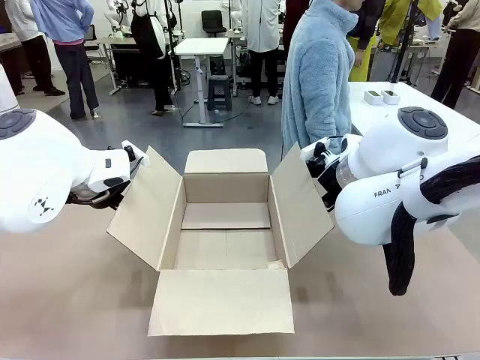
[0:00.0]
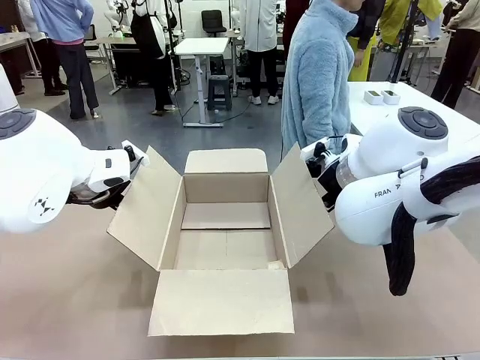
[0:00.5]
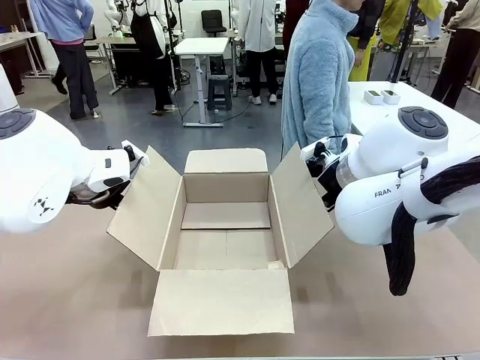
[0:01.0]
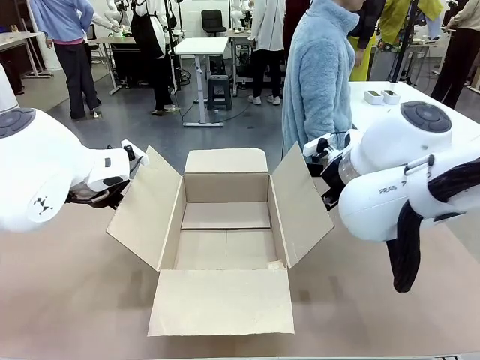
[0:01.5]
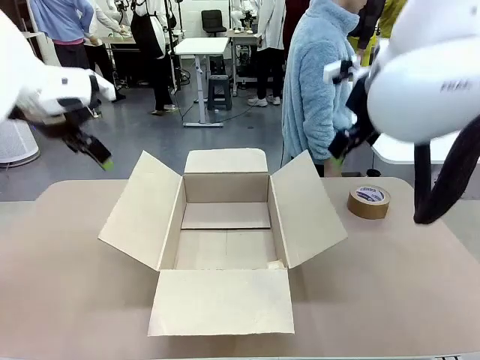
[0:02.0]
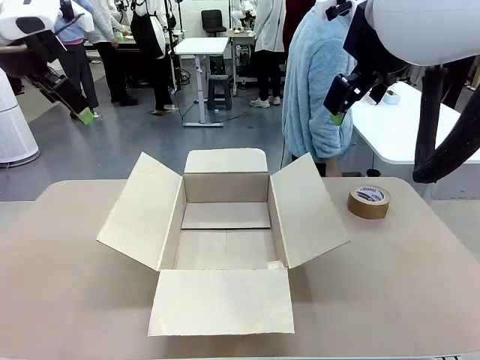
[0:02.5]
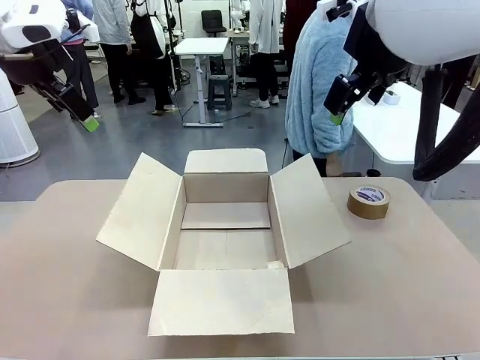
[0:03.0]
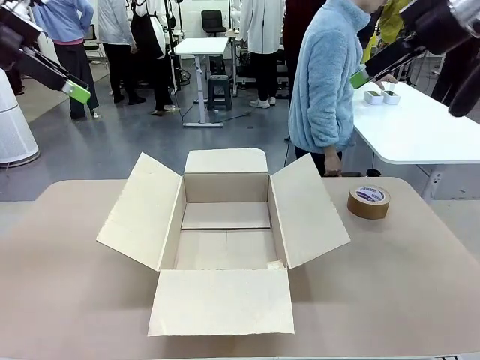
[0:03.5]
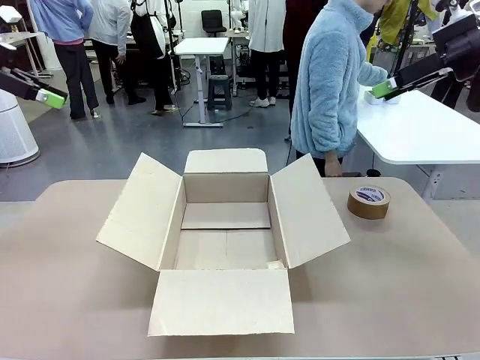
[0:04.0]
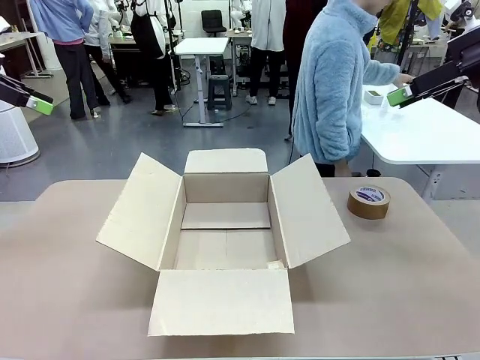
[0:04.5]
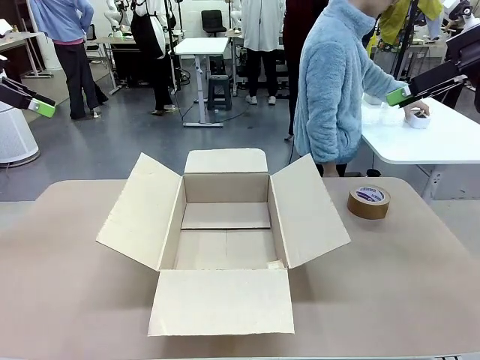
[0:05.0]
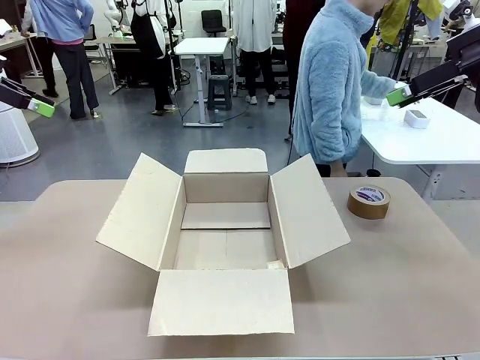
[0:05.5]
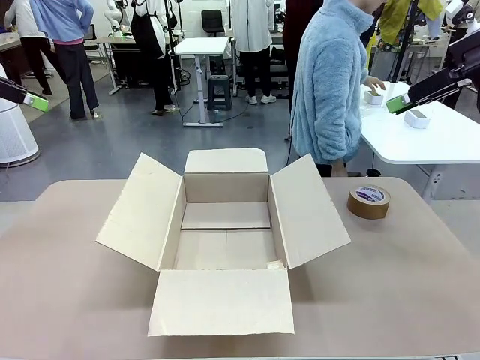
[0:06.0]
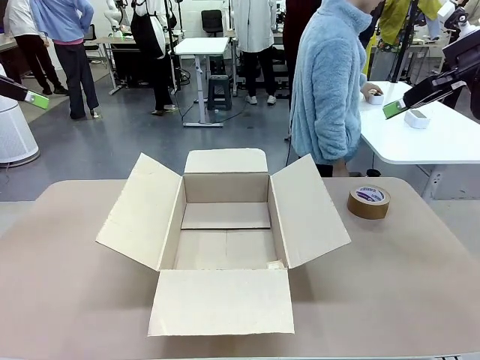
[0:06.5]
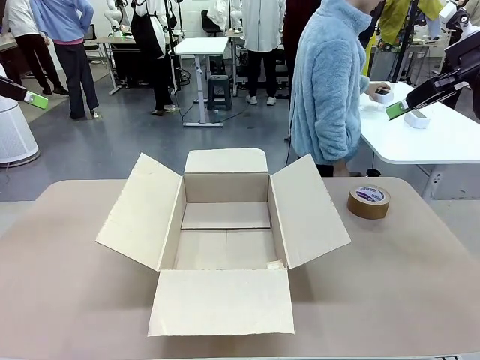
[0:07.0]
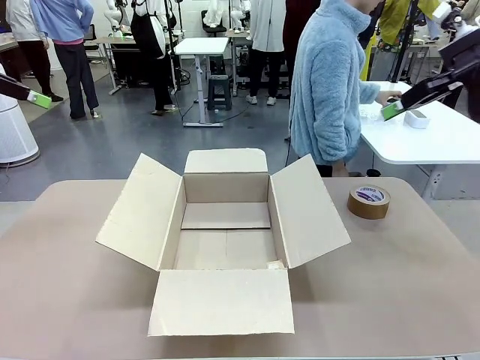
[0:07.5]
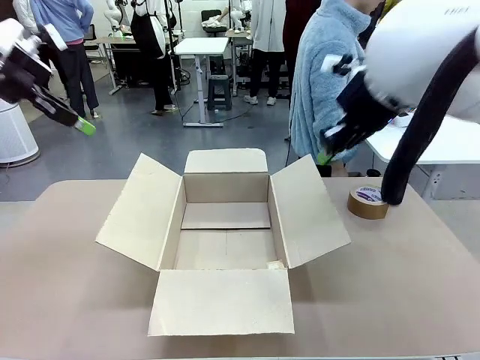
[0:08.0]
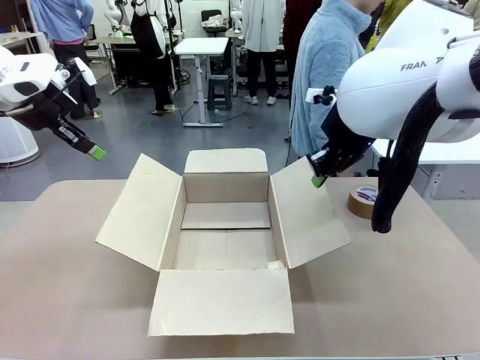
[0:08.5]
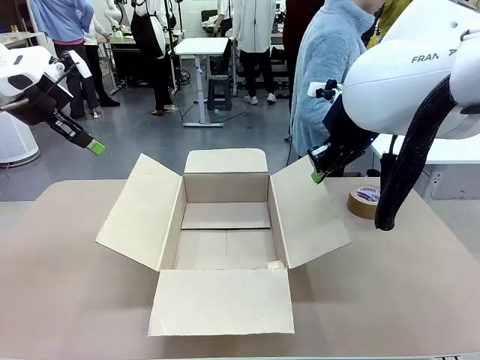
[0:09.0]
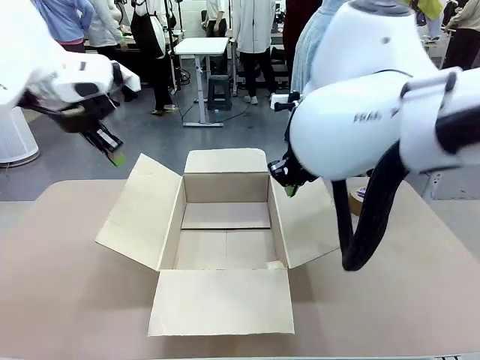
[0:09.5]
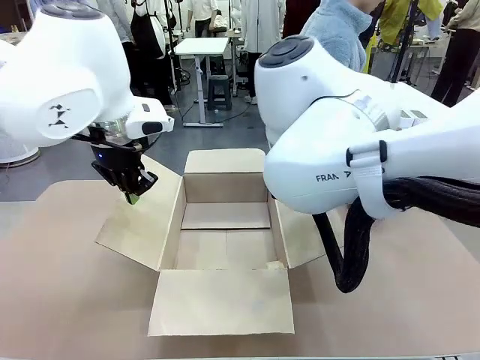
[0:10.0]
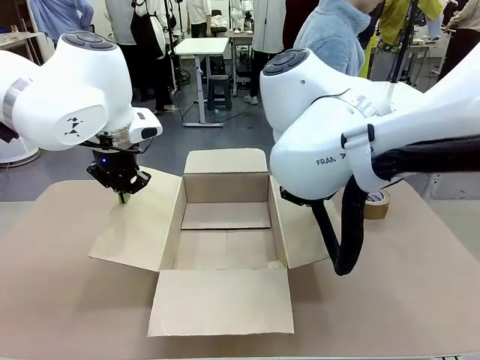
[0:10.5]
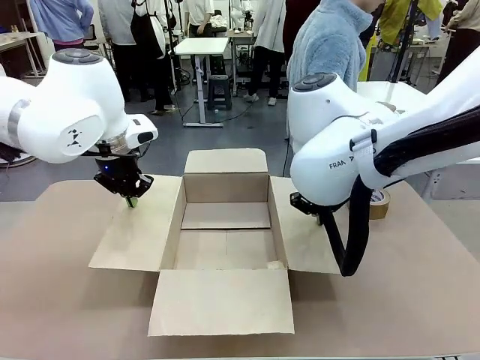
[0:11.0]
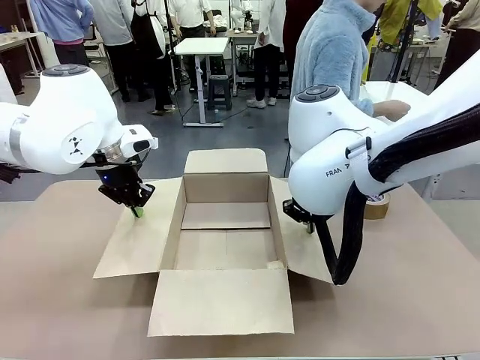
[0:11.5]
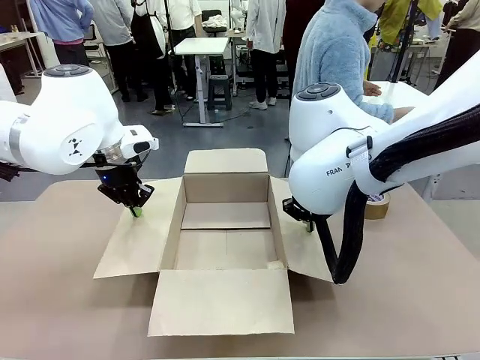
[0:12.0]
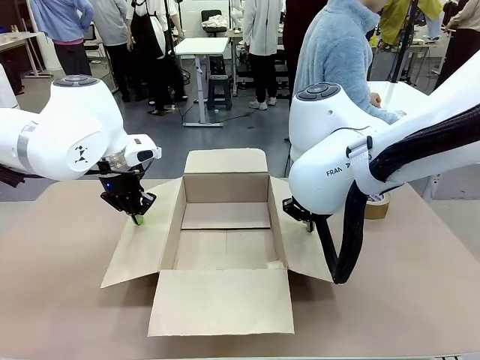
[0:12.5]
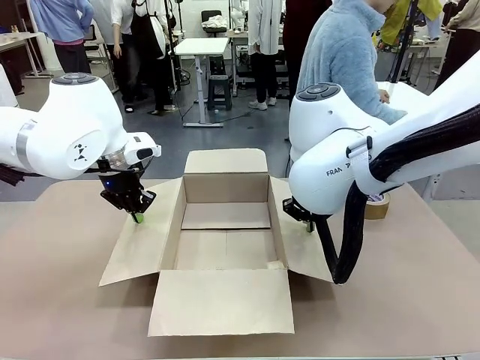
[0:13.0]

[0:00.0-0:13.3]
Task: Wrap the clocks to prevent damage.
Robot: Open the side flaps of the Package Box.
Person: Wrap the two Digital clocks with Bubble Wrap.

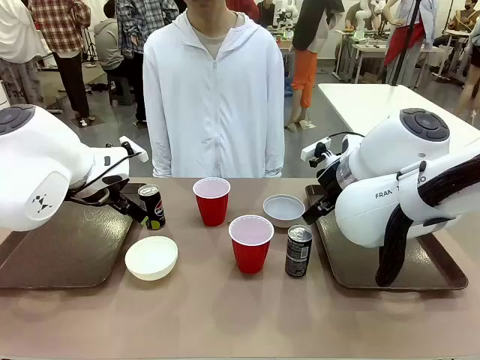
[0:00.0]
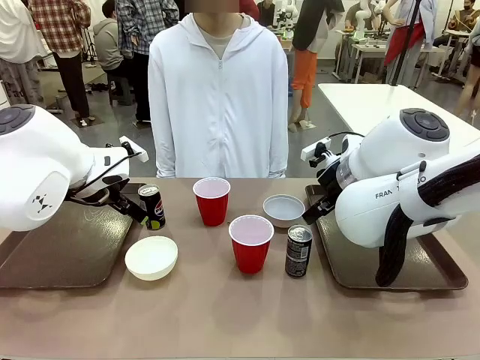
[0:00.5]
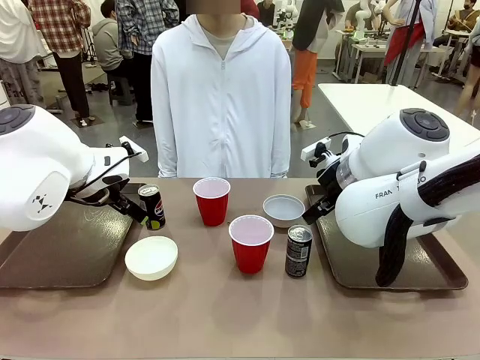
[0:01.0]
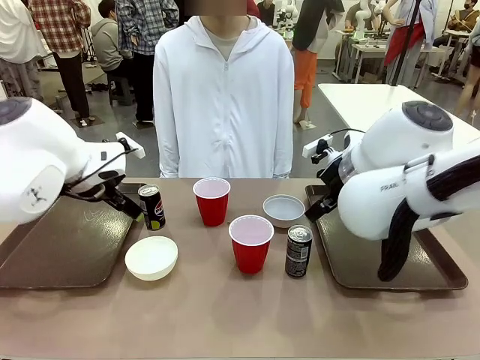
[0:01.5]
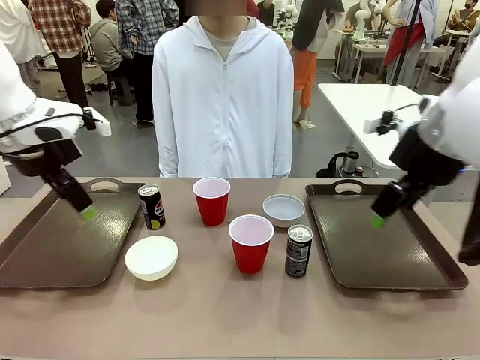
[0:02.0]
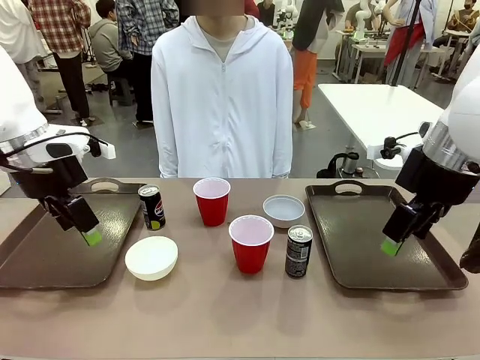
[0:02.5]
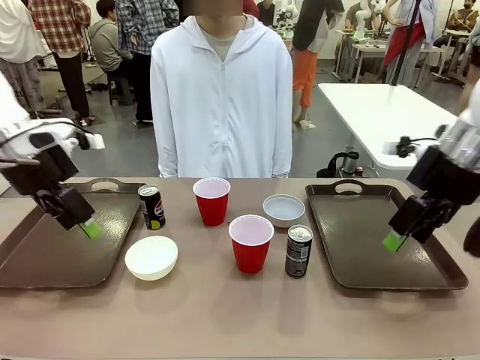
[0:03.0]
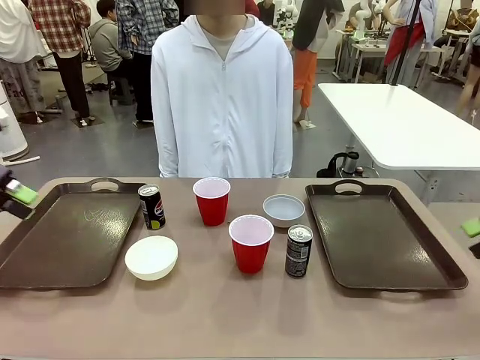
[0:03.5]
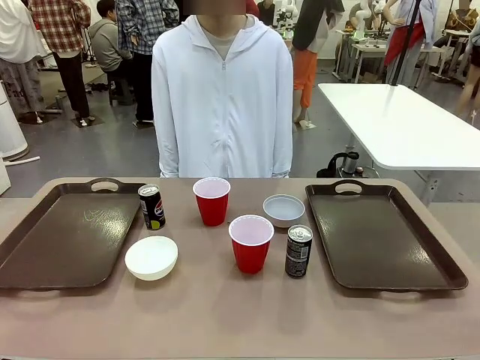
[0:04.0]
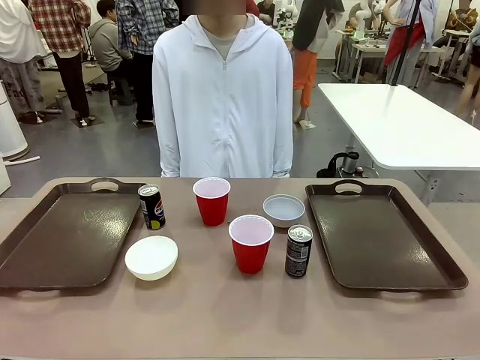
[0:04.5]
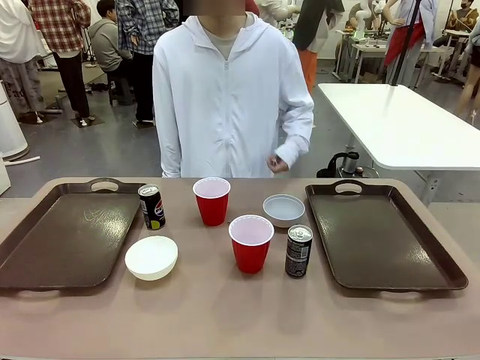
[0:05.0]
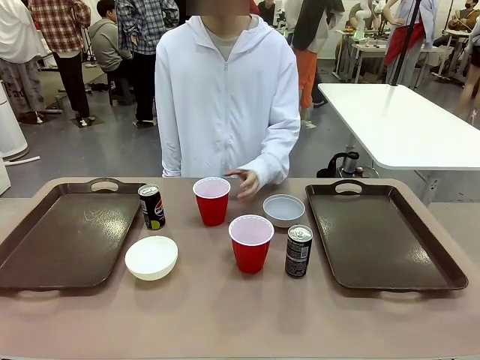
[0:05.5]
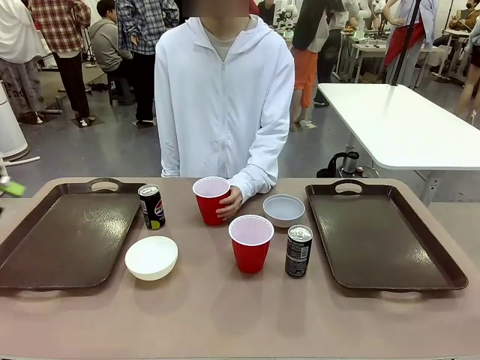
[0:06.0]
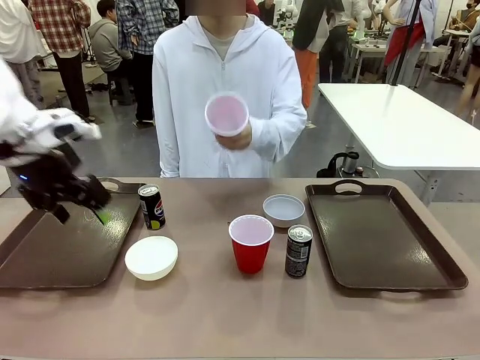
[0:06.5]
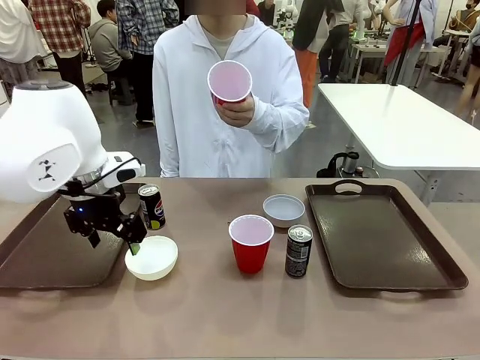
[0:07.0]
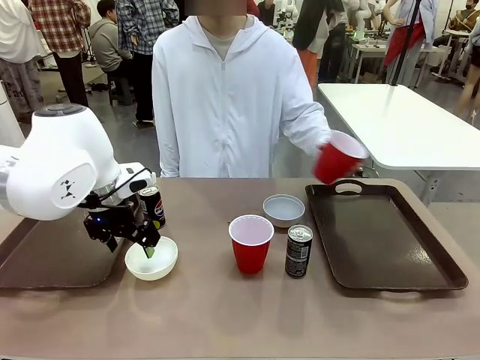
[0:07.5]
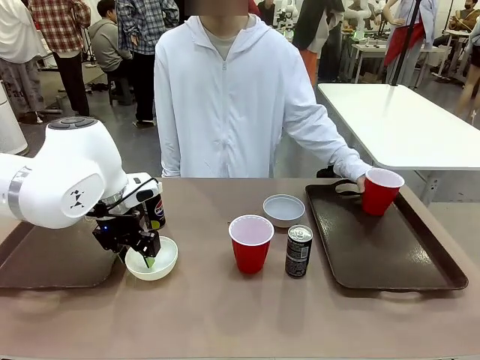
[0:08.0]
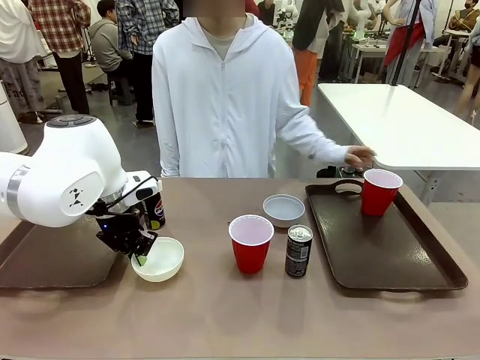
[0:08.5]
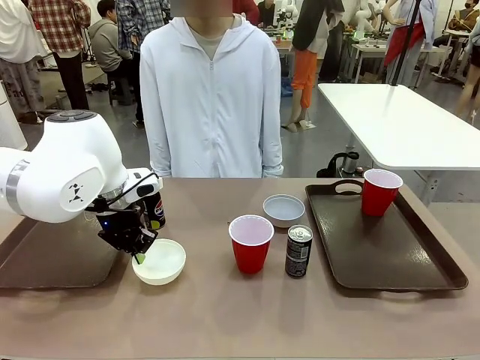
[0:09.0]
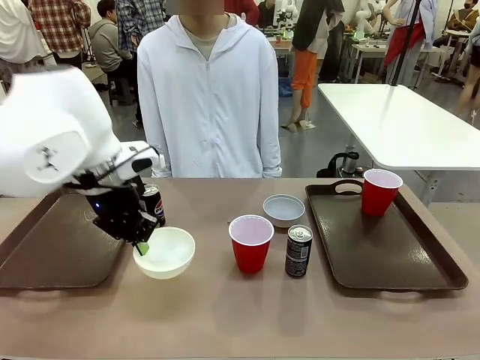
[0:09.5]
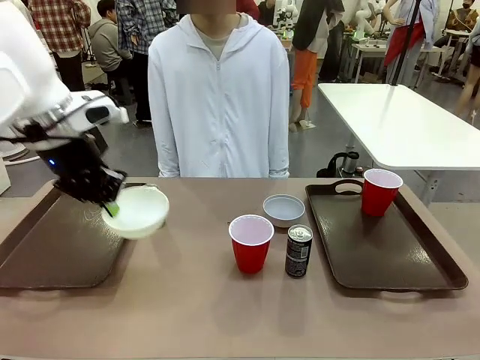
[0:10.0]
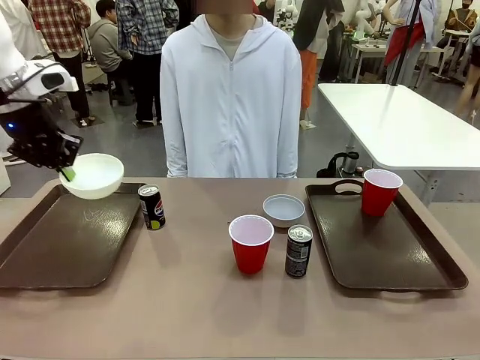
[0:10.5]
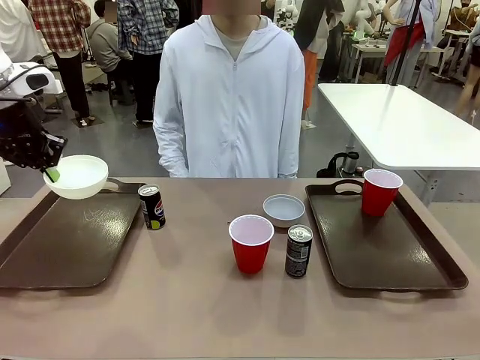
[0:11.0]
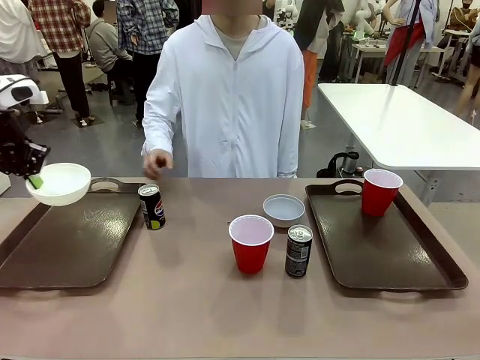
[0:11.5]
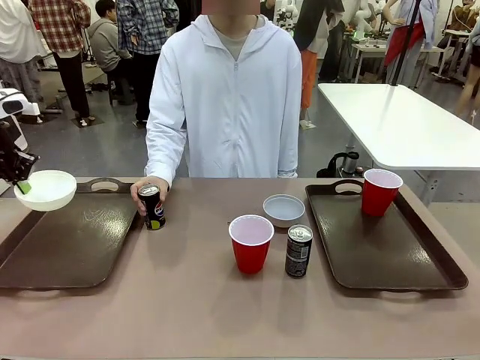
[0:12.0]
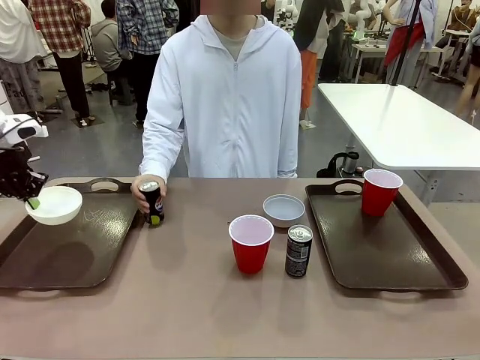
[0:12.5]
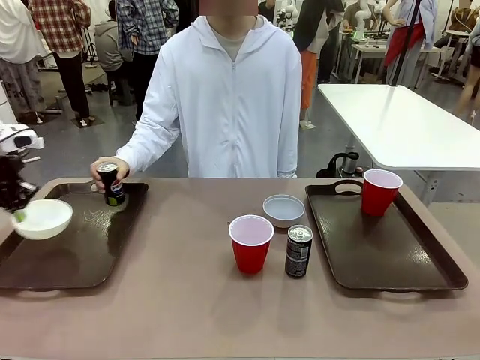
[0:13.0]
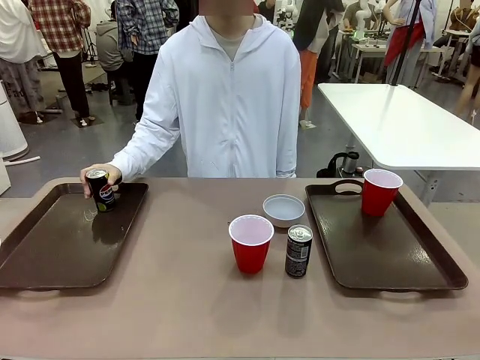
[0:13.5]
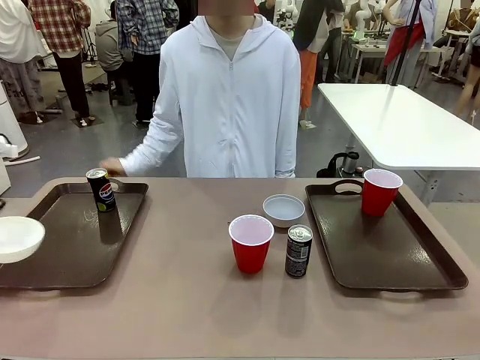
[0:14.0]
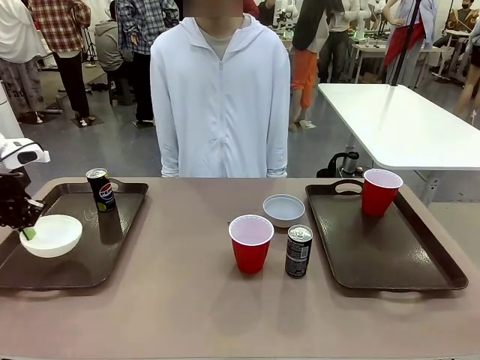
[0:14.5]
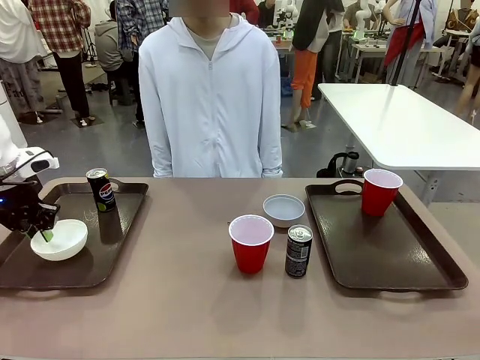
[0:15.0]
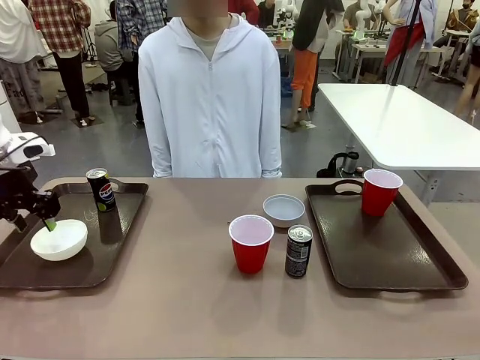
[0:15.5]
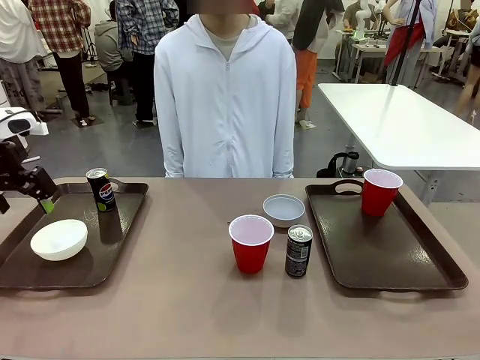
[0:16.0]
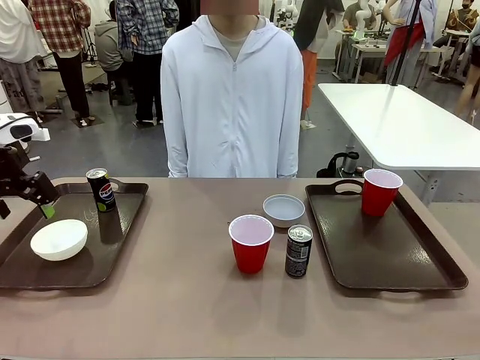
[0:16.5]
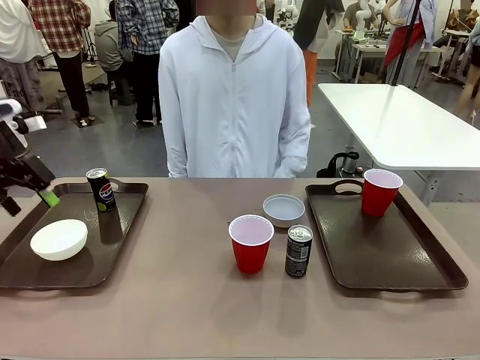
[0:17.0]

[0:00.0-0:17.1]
Task: Prepare tableware on both trays.
Robot: Pick up a Picnic Bowl from the table and place it on a Handle tray.
Person: Pick up a can or cup and place it on the tray.
